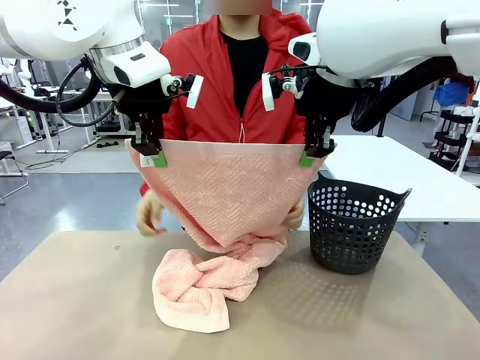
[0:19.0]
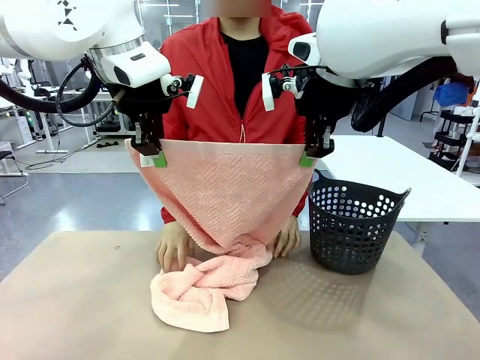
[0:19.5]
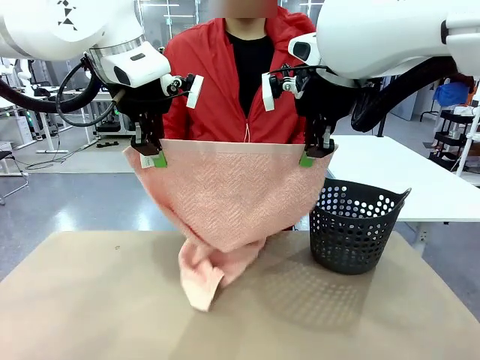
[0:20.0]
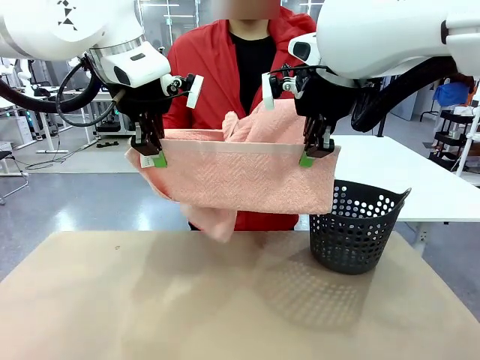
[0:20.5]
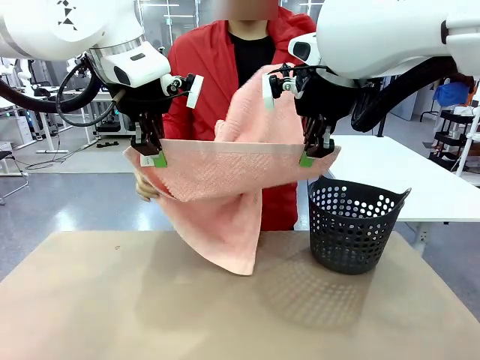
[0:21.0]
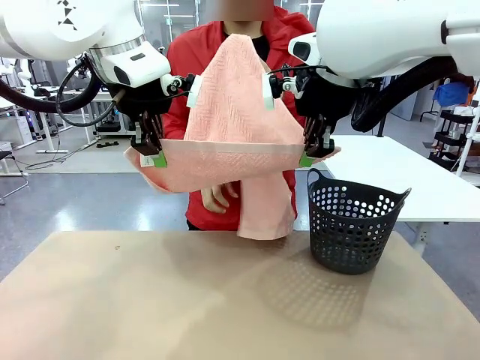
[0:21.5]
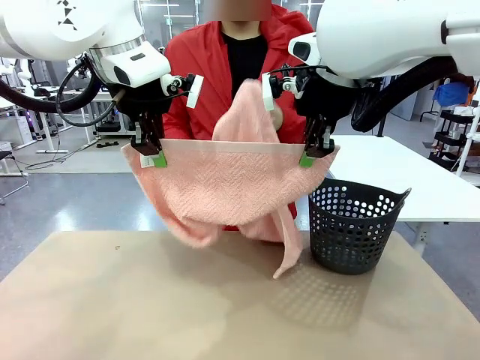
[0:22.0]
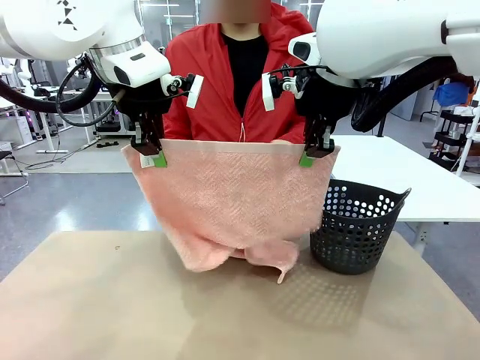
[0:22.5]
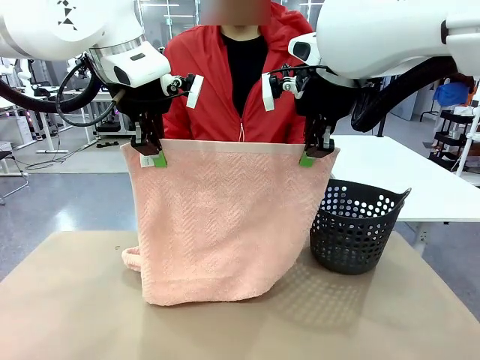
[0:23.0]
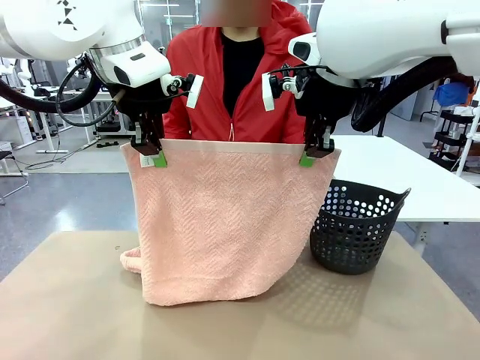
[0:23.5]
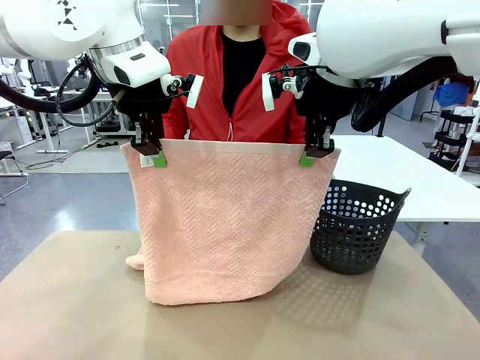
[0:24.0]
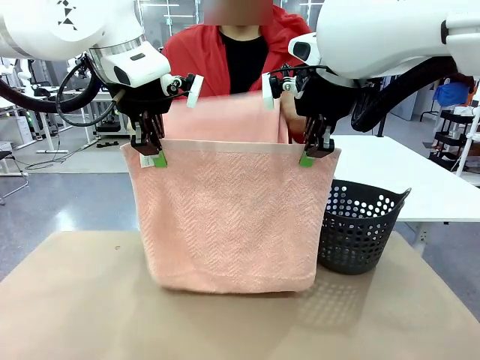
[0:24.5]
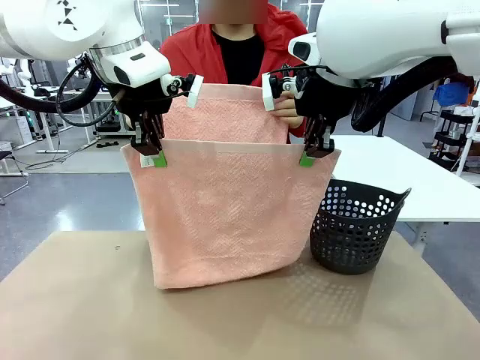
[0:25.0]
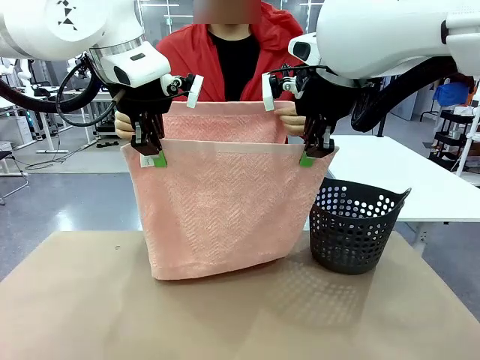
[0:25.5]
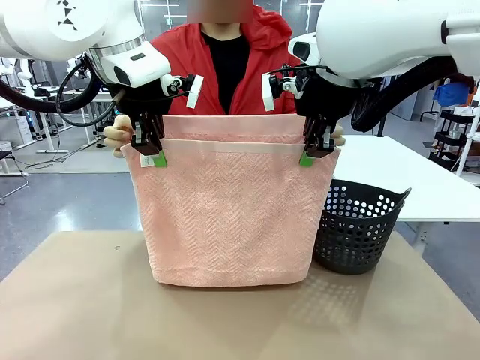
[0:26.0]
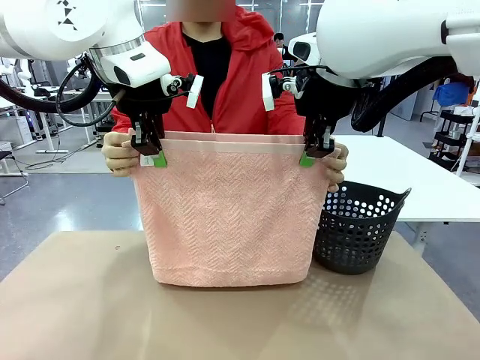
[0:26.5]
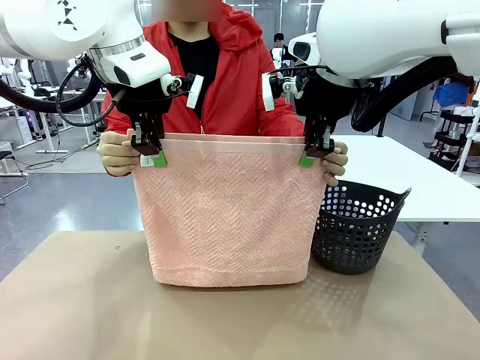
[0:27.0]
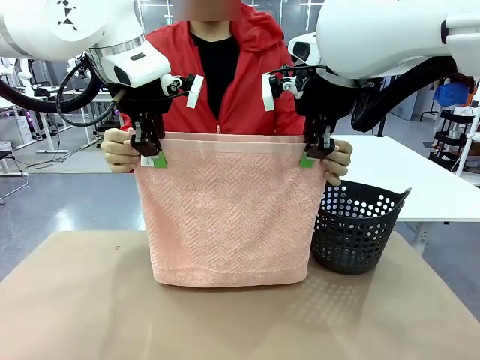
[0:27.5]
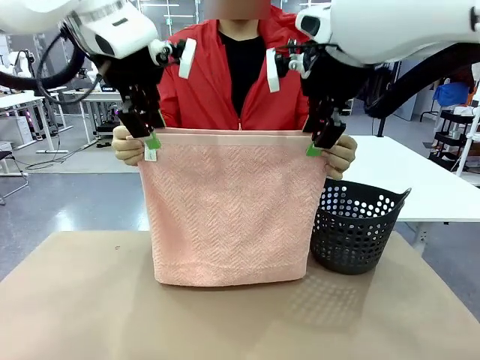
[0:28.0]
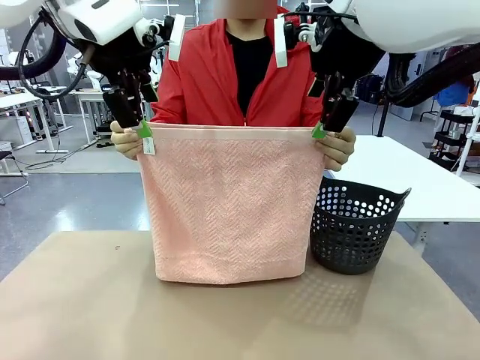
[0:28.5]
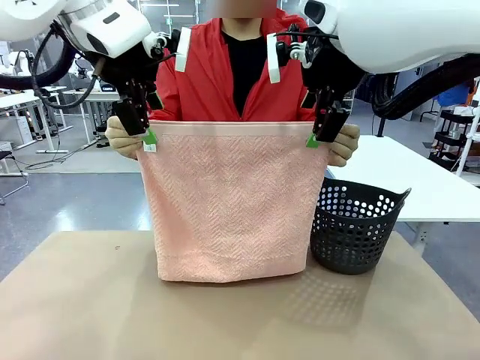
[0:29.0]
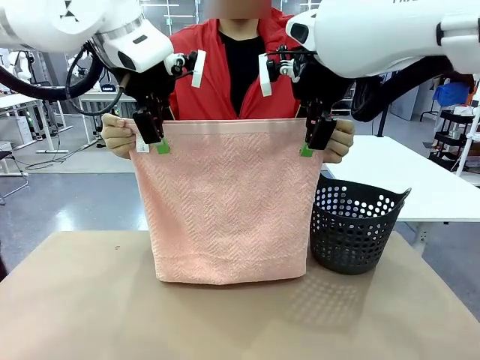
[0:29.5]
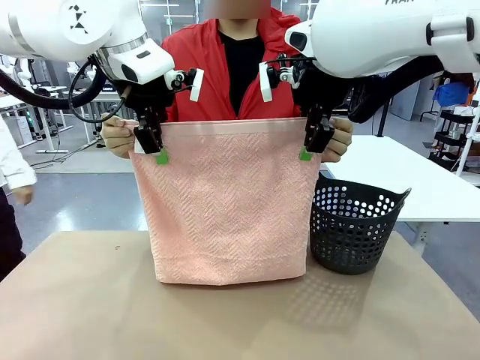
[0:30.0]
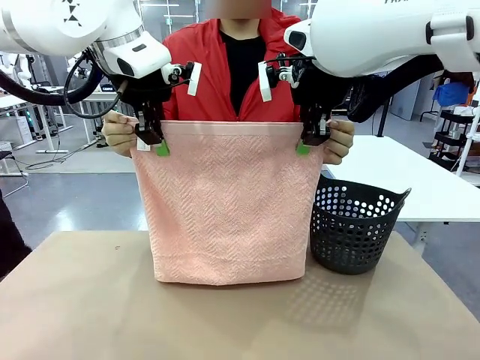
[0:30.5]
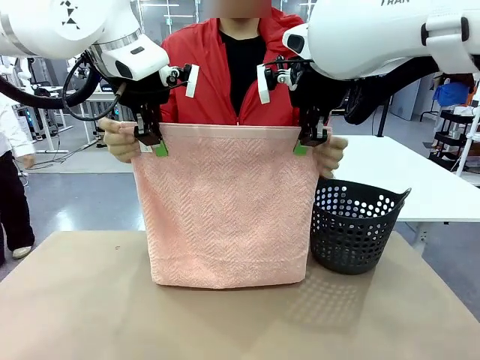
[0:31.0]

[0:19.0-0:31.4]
Task: Fold the towel.
Robot: Release the end of the 100 cm Hotel Towel you were holding and grab the top end of the folded side.
Person: Using the point held by the robot as a reference, grasp the opposite end, fold the towel in half, and then hold both ends of the folded towel.

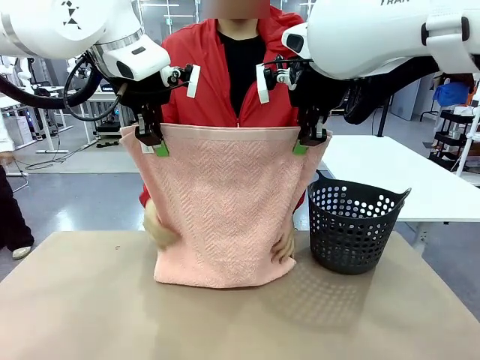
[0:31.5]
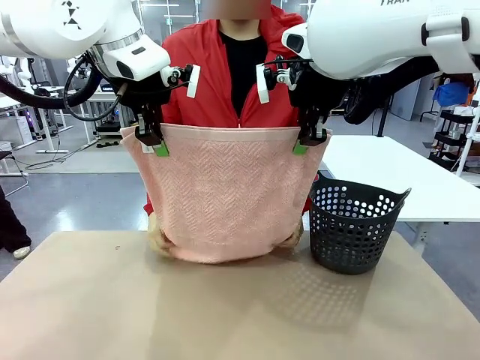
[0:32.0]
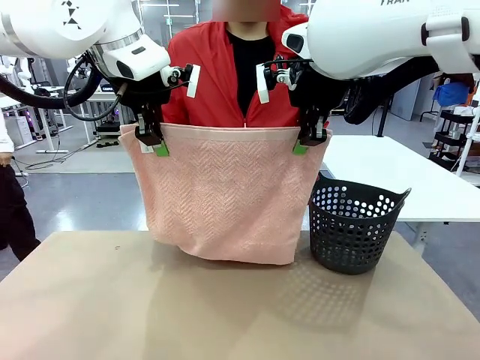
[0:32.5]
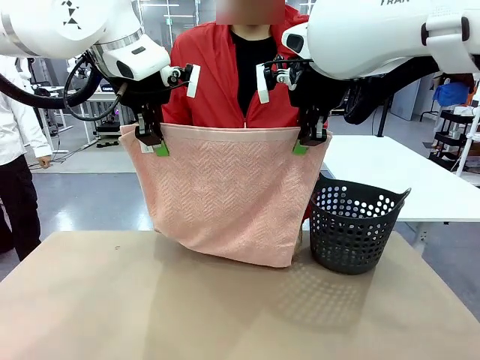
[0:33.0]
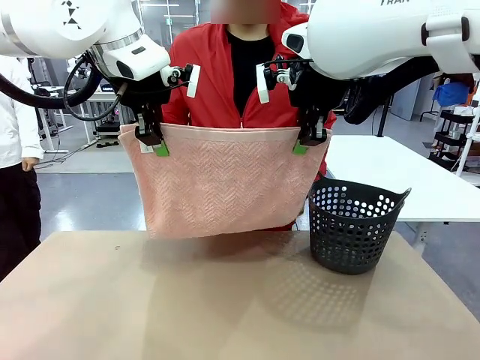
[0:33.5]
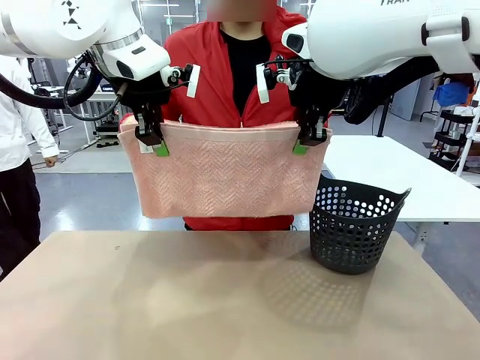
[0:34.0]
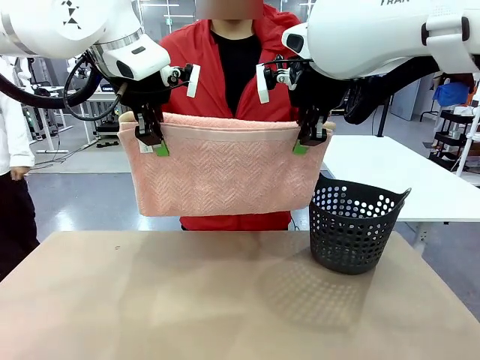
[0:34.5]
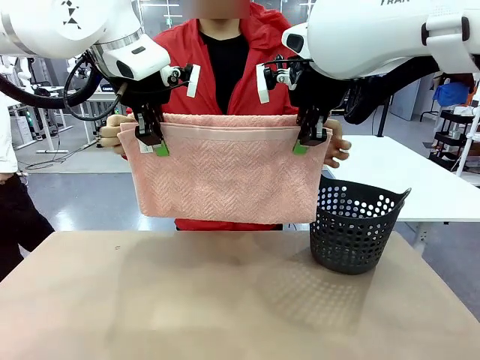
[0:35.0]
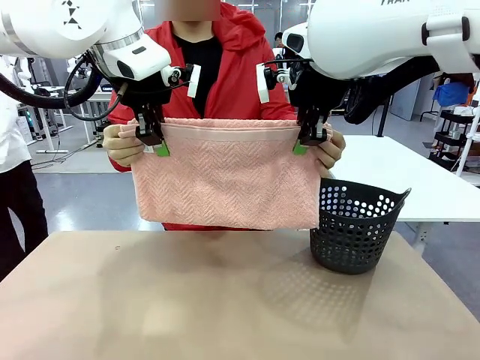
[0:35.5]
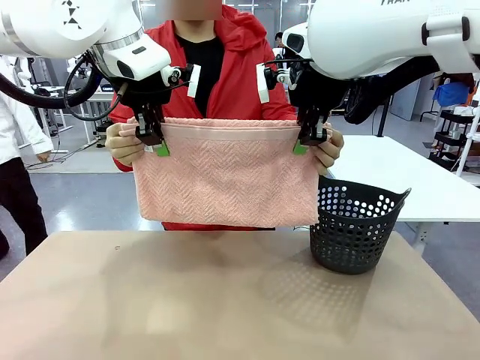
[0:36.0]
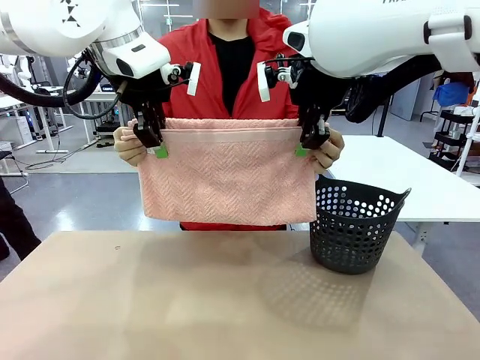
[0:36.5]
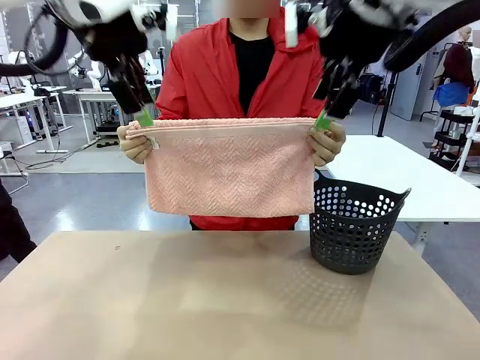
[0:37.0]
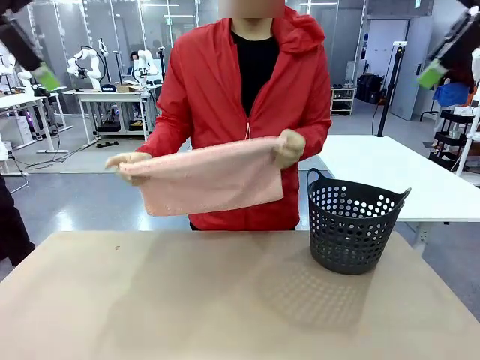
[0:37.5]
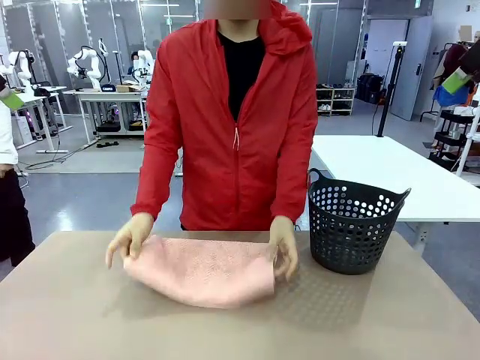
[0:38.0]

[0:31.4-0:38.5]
Robot: Release the end of the 100 cm Hotel Towel you were holding.

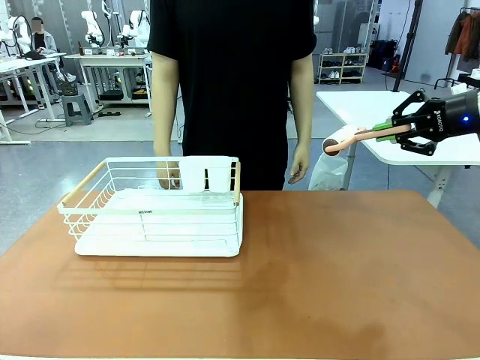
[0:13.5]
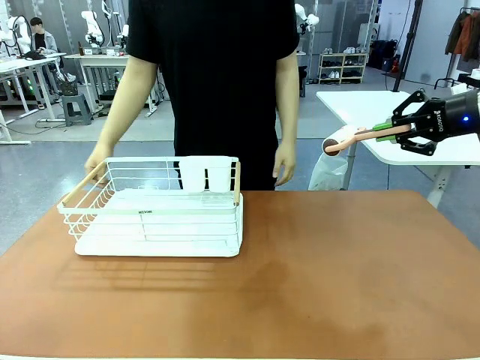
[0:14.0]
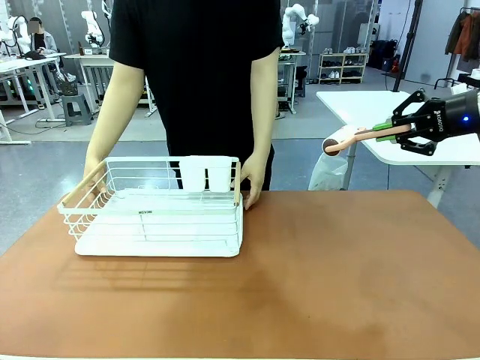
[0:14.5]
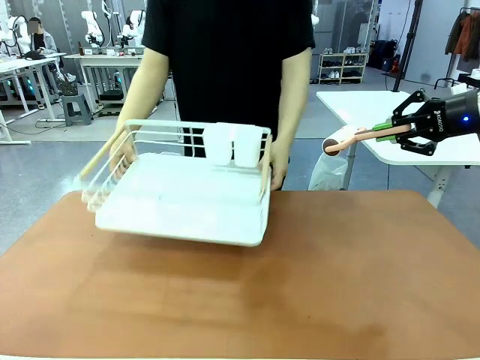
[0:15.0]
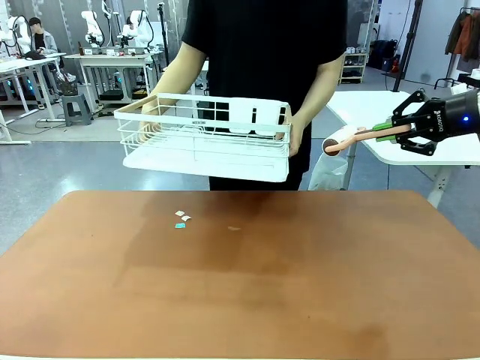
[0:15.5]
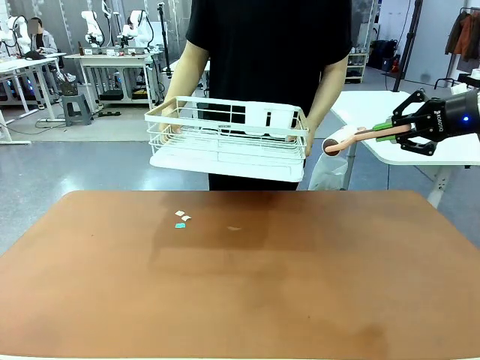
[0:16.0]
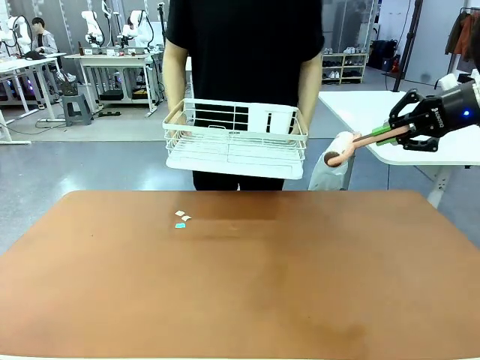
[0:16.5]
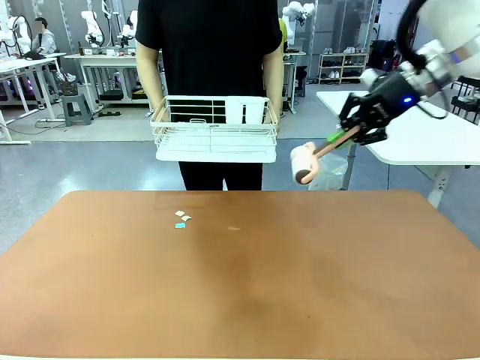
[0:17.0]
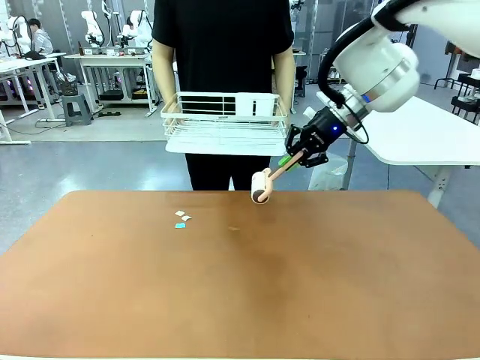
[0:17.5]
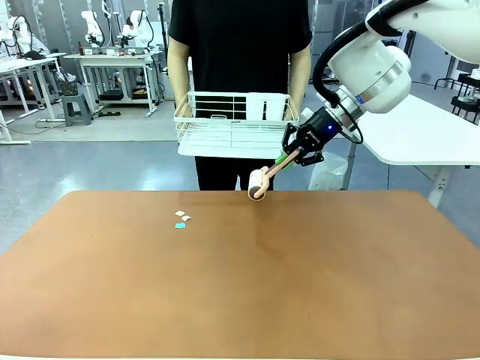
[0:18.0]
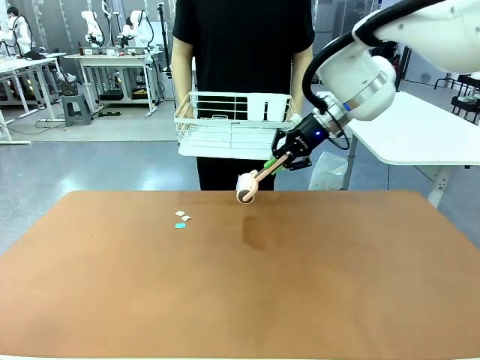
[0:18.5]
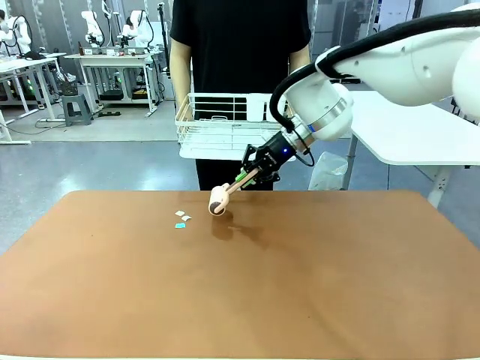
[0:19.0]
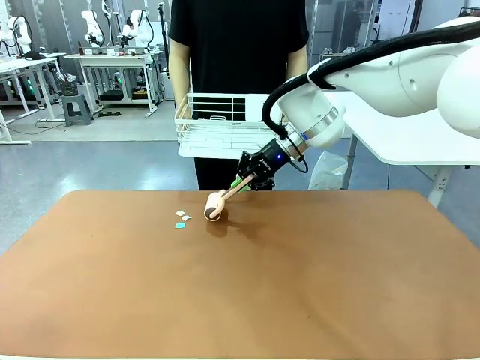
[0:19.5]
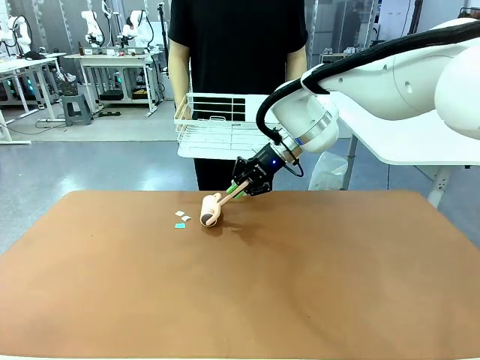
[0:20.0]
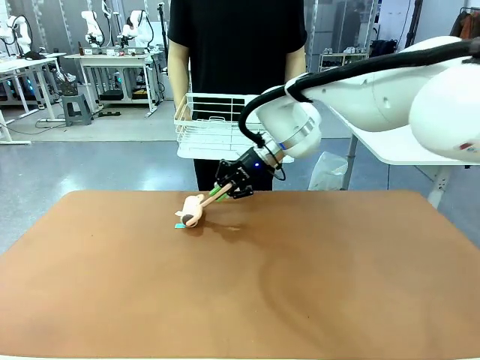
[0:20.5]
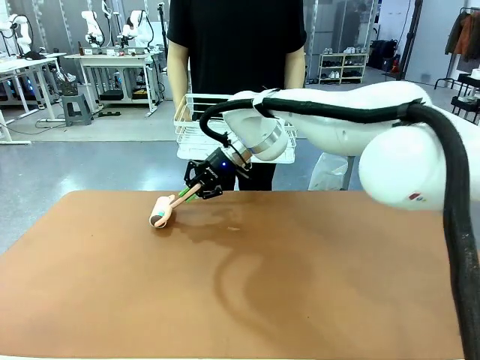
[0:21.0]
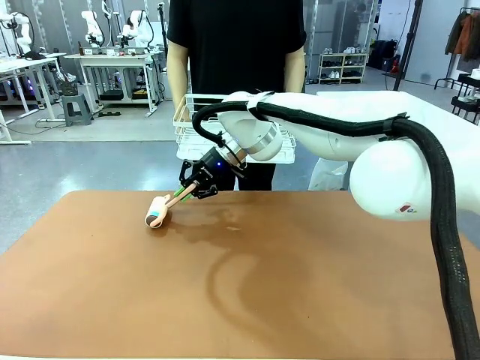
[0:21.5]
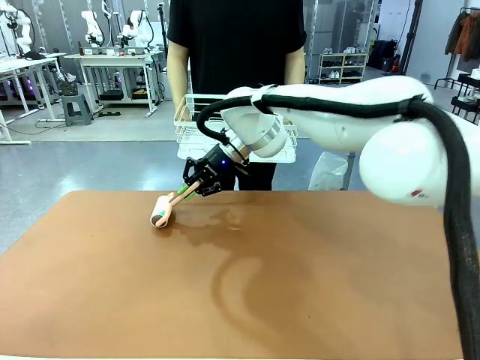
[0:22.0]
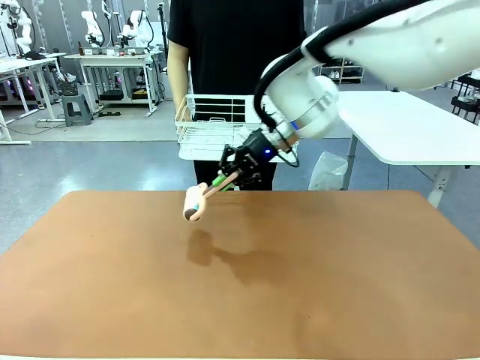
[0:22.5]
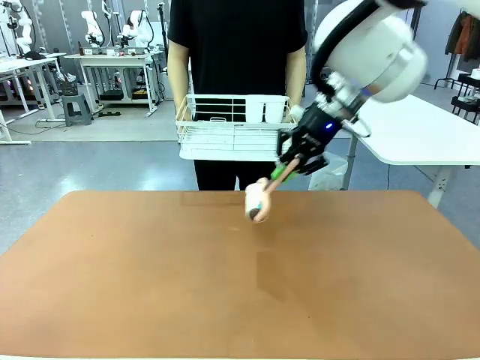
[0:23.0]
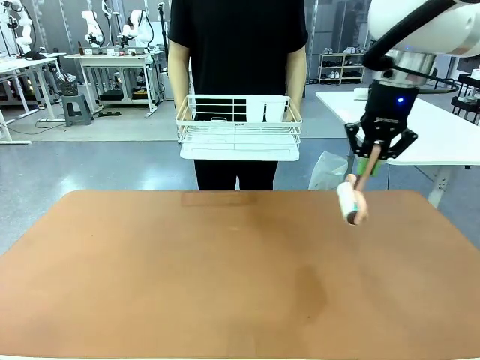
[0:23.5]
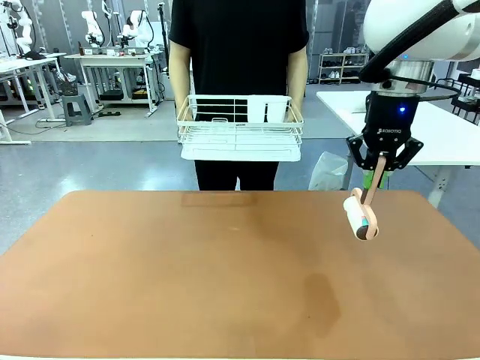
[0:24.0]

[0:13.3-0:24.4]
Task: Clean the table.
Robot: Clean the table with the Lint Roller when the human lifts the Dish drying rack.
